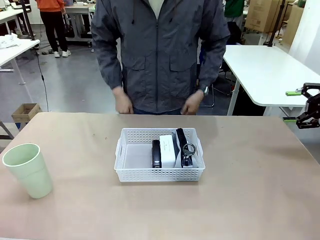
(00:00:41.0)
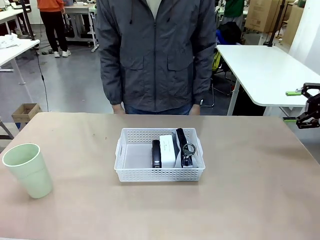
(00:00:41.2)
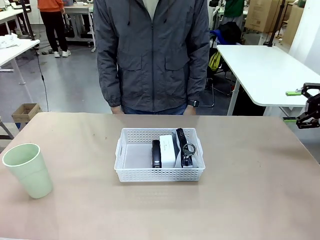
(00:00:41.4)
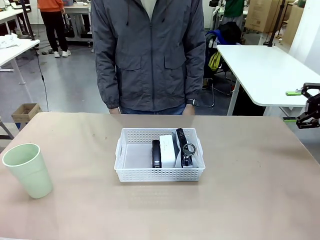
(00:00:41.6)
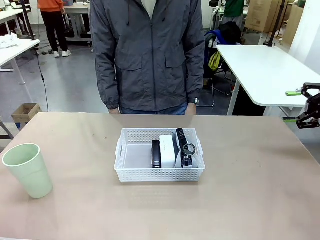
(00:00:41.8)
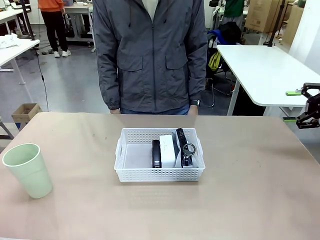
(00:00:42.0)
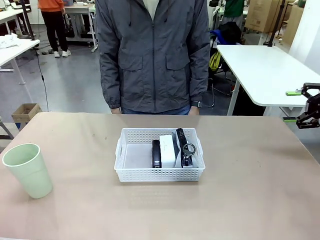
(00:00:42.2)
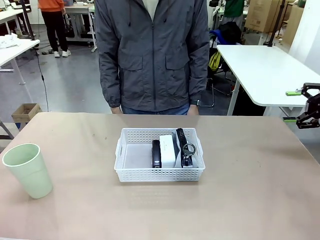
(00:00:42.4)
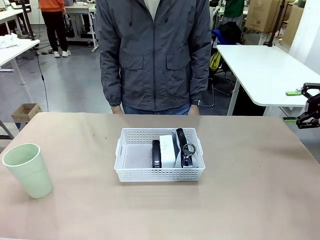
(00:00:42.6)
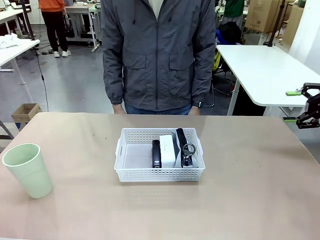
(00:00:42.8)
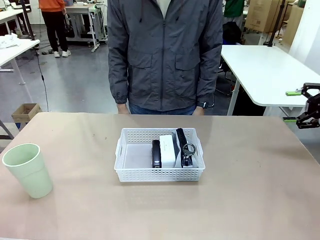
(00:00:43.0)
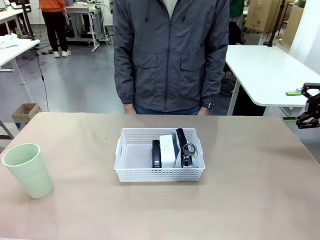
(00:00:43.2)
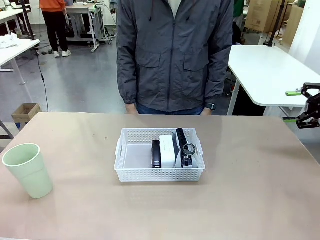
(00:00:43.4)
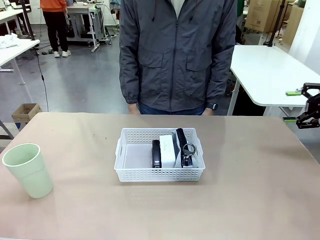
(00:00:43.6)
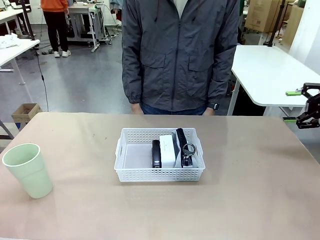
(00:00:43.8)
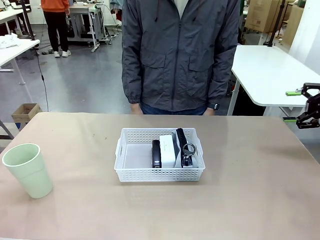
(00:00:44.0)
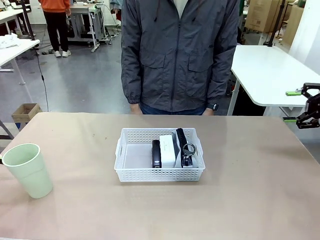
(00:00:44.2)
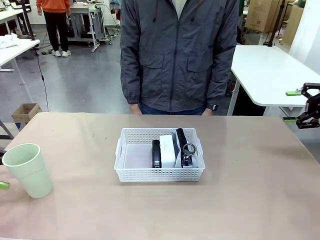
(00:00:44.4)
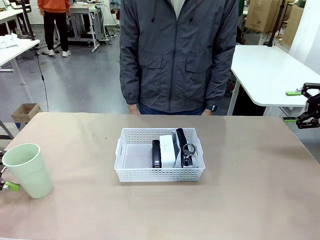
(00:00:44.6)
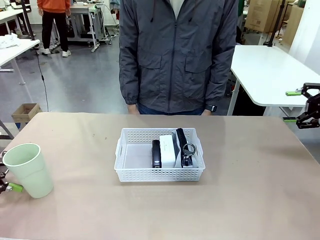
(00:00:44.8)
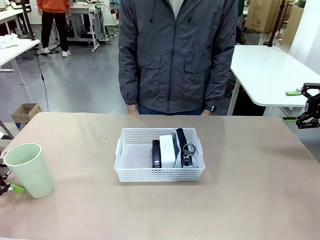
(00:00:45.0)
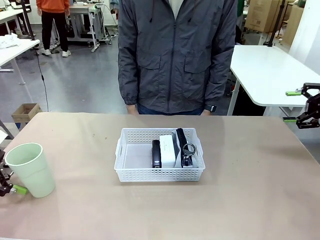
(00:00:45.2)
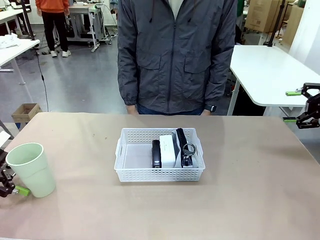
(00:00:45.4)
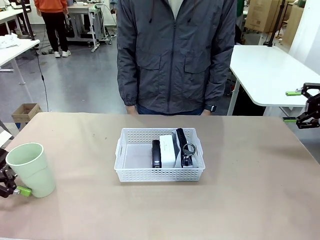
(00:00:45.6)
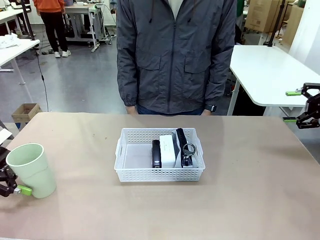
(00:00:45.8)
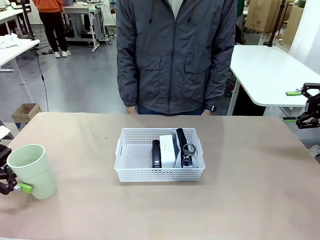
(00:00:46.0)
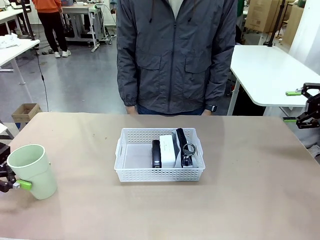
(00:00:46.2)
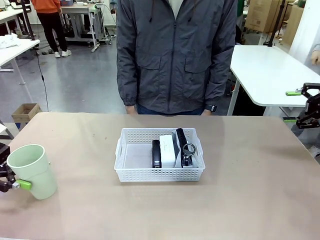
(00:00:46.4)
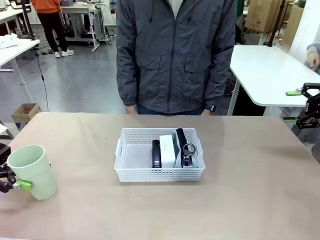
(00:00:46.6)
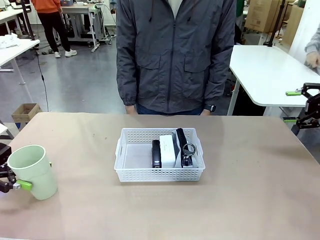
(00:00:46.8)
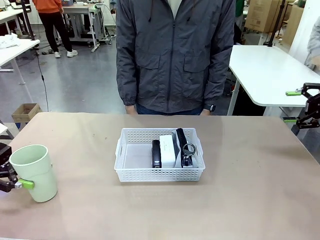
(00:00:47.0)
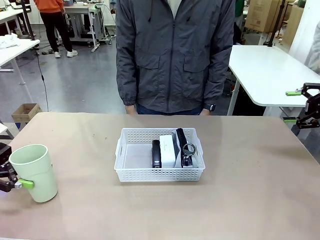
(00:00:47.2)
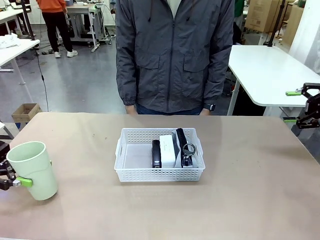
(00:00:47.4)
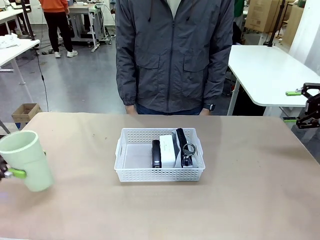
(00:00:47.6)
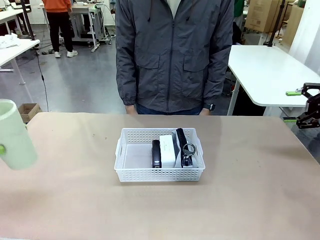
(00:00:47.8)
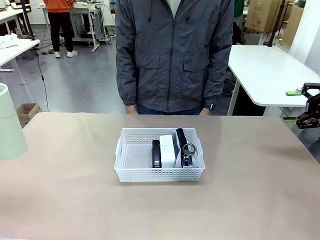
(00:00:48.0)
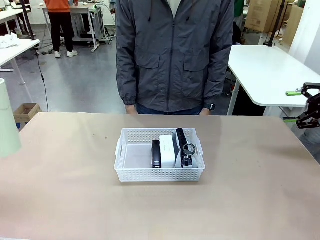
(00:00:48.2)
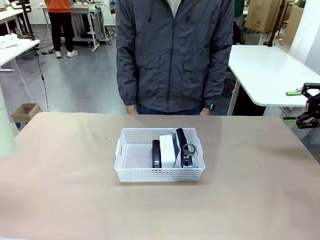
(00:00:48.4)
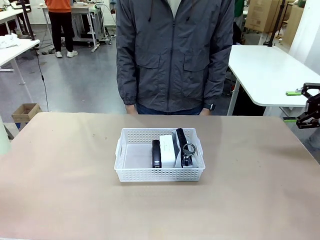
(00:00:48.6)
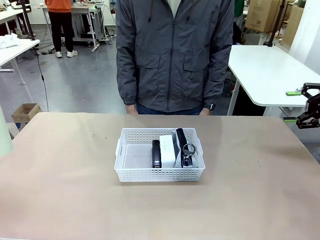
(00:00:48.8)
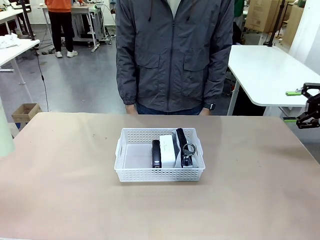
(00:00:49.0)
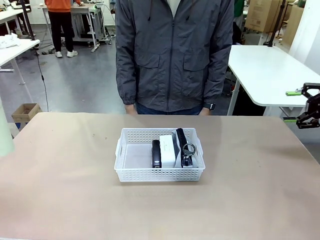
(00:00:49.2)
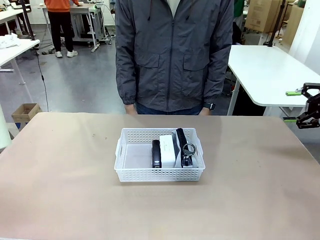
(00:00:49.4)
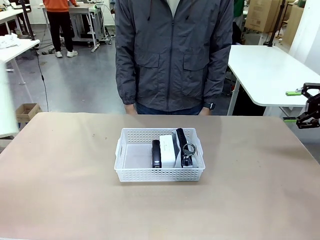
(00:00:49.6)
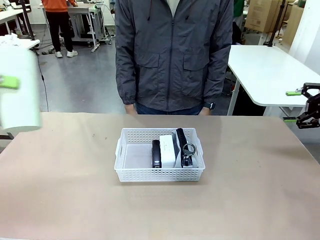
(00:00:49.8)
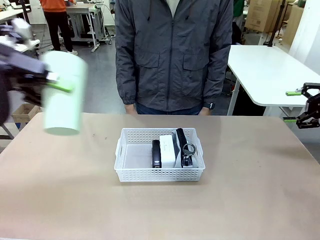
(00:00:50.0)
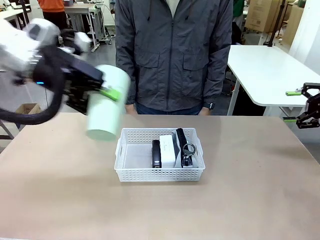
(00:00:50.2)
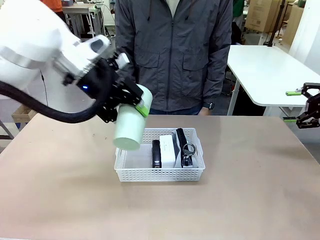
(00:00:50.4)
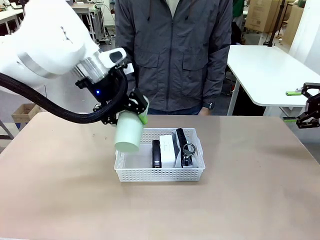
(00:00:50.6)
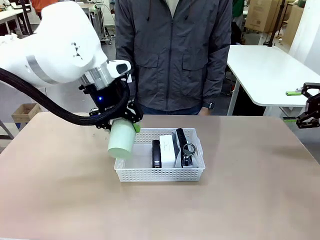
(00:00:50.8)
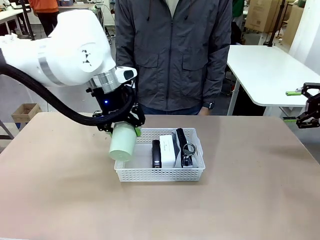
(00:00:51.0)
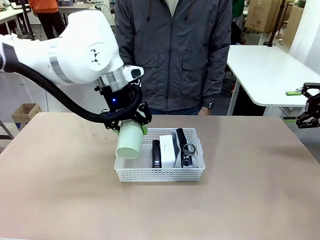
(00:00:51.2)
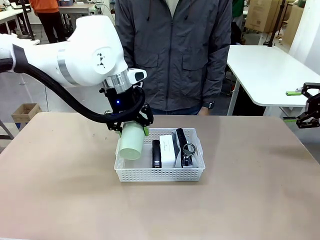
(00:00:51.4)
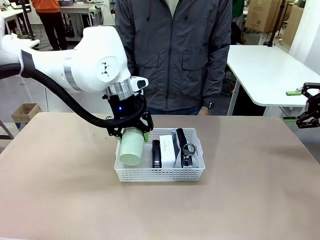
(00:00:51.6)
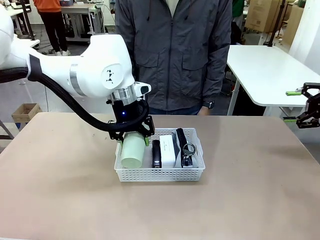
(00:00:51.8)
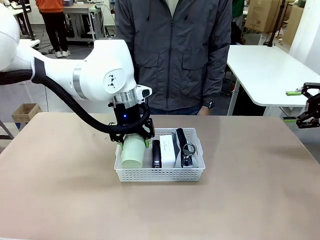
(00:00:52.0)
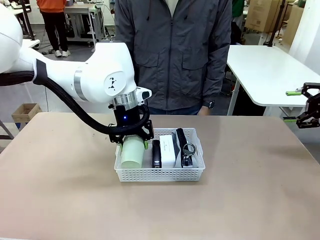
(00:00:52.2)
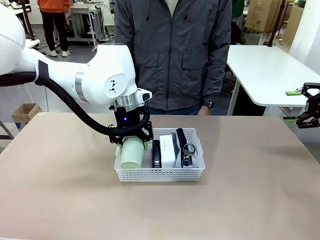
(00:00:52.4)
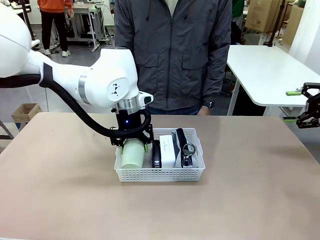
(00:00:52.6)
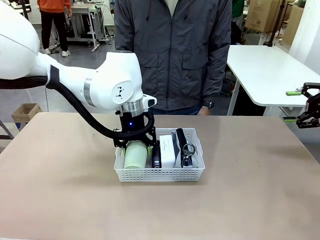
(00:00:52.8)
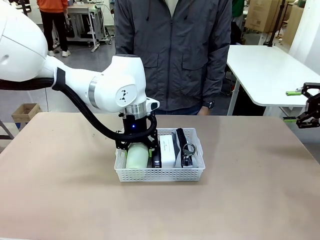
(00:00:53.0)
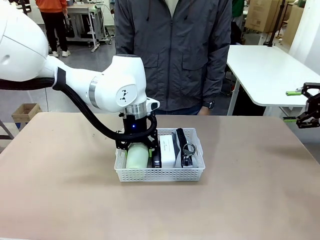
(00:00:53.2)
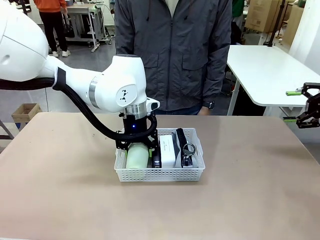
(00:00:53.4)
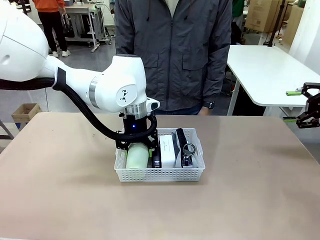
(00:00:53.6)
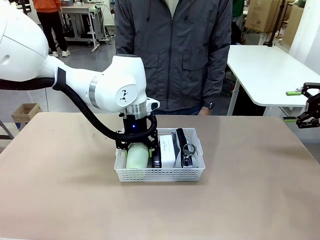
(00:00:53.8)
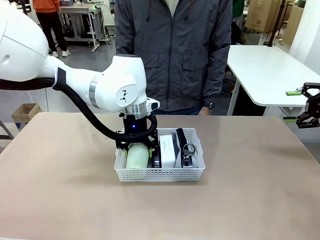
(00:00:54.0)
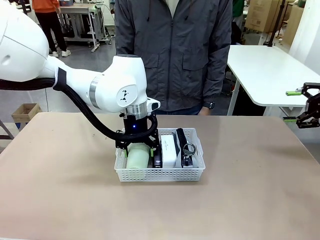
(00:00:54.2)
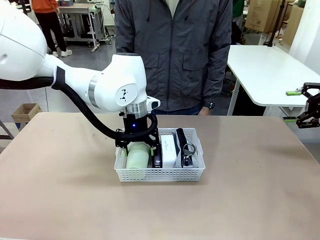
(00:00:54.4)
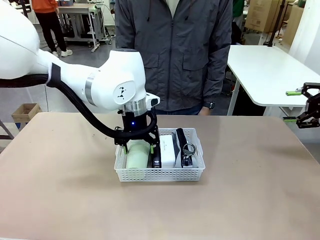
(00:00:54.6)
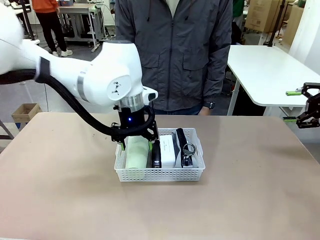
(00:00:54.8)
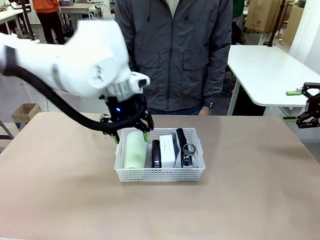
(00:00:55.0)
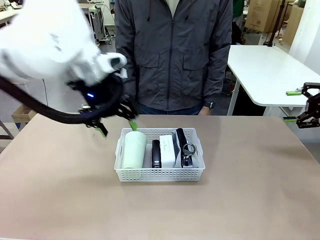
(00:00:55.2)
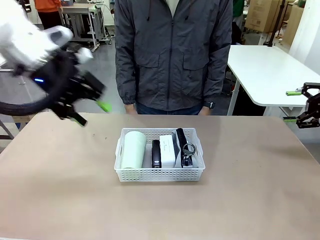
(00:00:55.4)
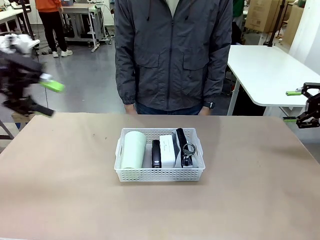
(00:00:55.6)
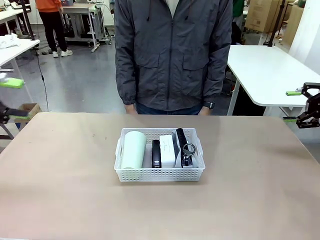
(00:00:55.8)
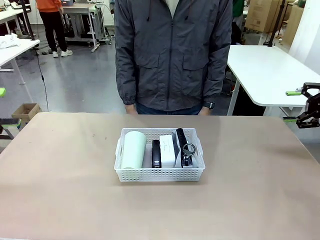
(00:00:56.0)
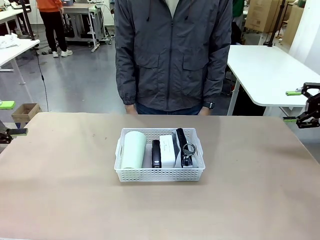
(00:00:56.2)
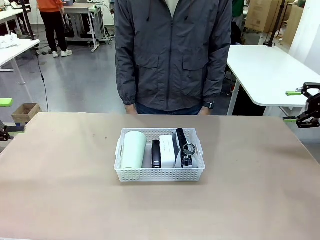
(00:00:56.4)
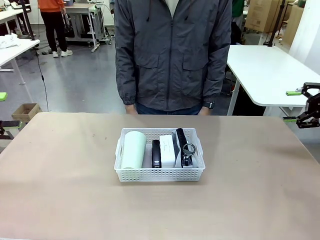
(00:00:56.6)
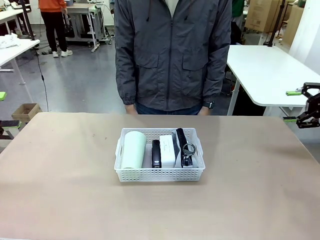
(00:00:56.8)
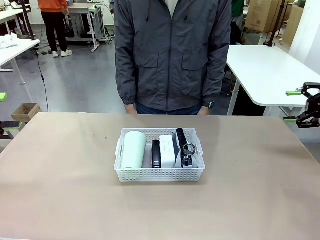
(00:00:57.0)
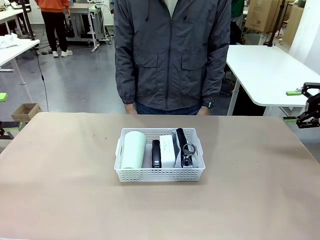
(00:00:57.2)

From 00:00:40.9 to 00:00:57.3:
Task: Efficiently arrange items inside the basket to fit them all.
Robot: Pick up the Reusable plastic cup and place it inside the Organizing basket.
